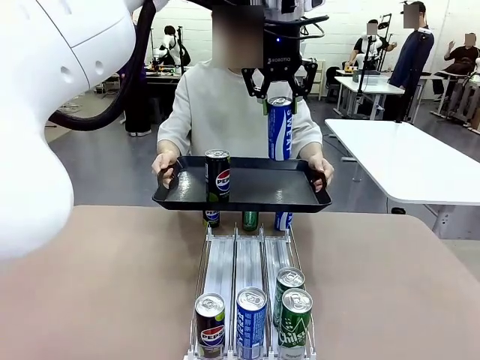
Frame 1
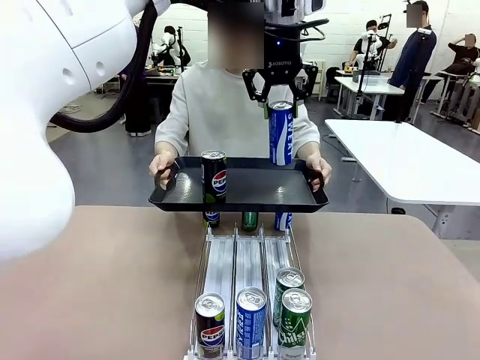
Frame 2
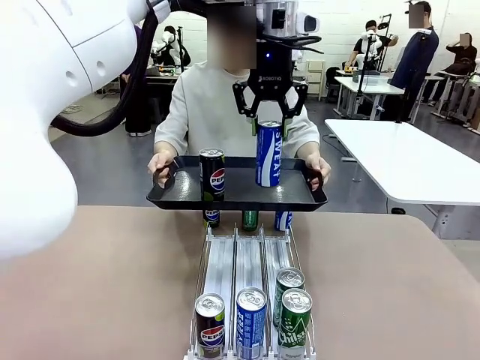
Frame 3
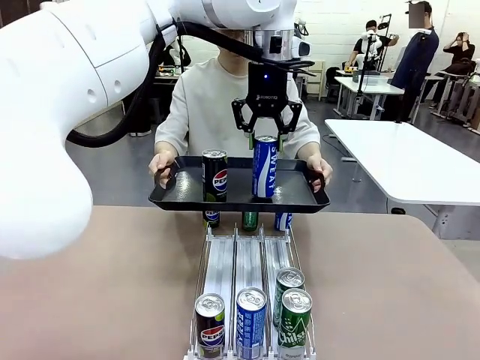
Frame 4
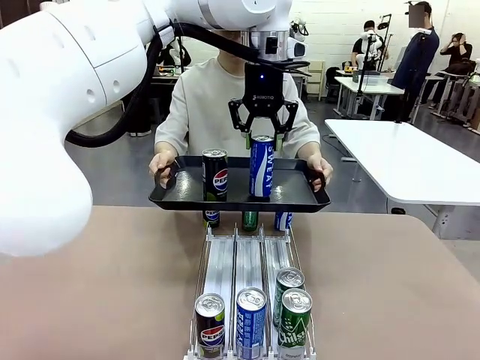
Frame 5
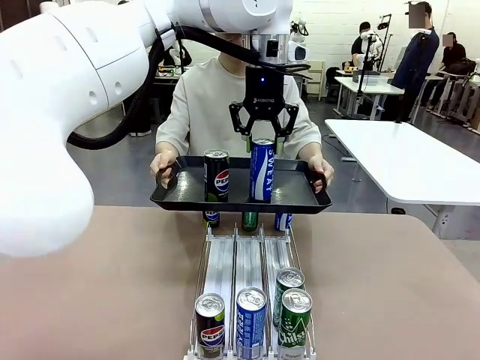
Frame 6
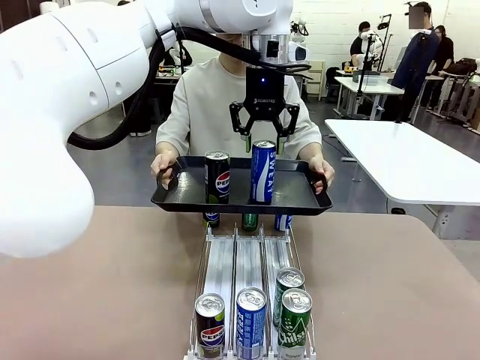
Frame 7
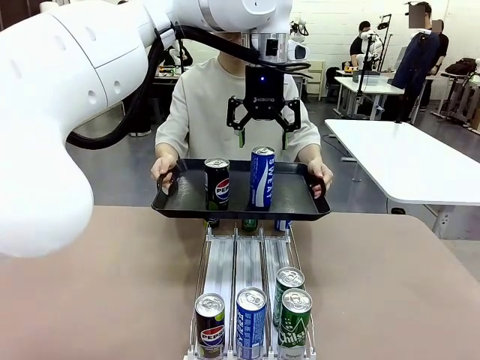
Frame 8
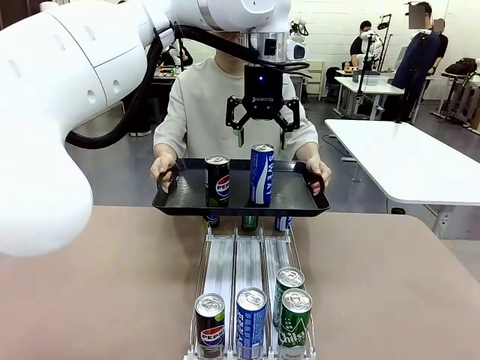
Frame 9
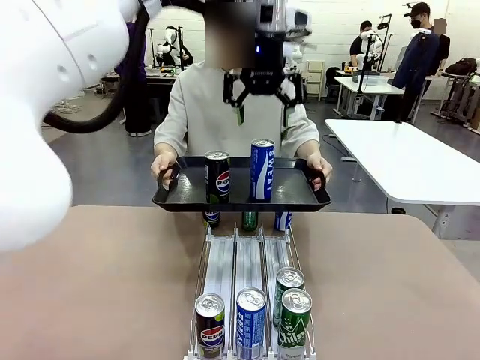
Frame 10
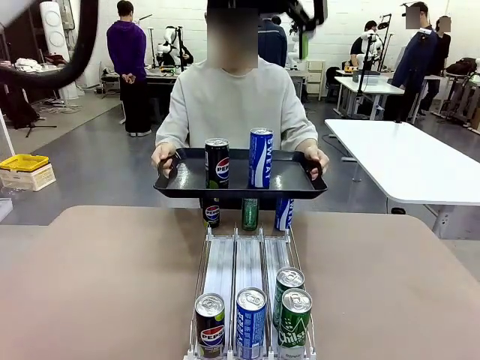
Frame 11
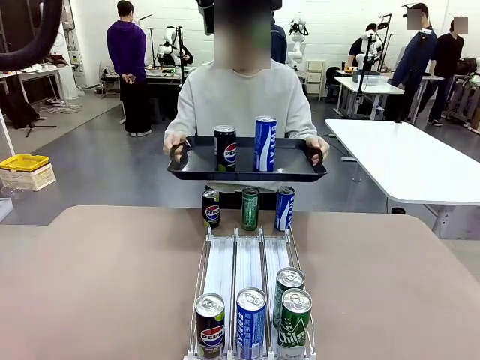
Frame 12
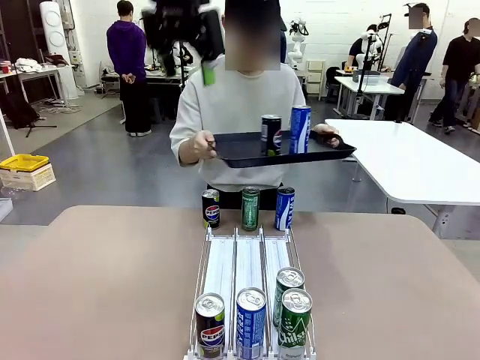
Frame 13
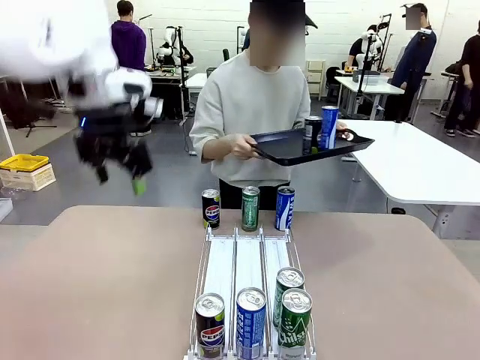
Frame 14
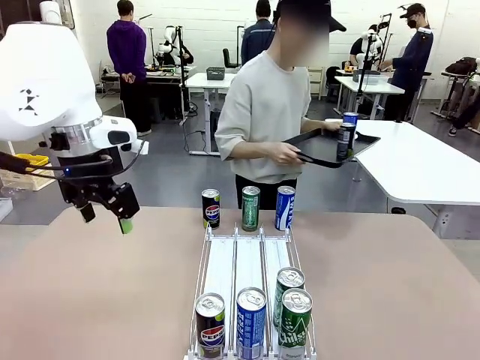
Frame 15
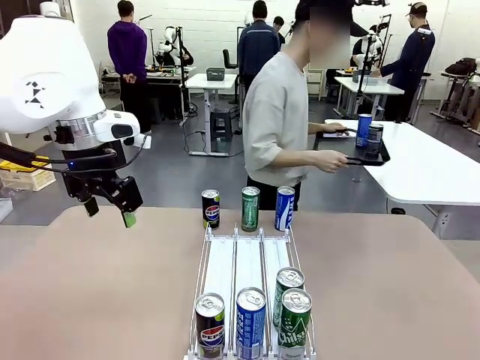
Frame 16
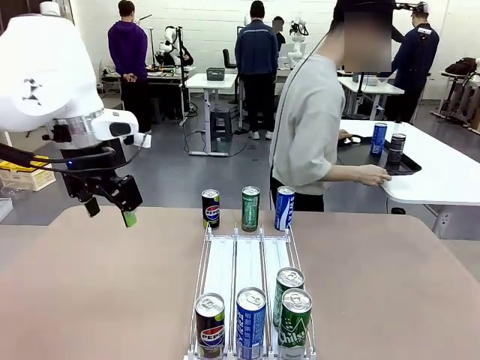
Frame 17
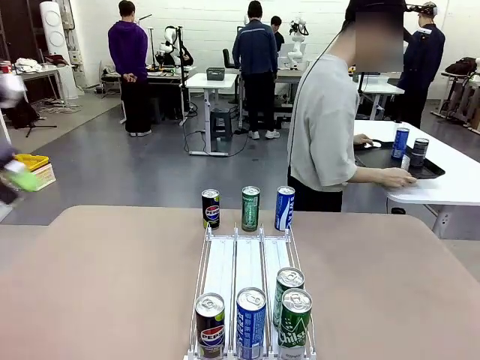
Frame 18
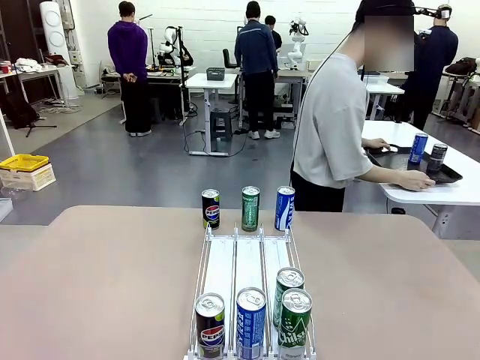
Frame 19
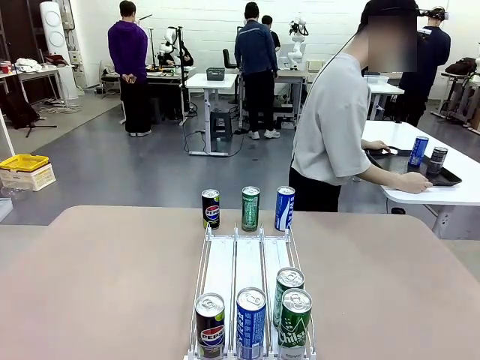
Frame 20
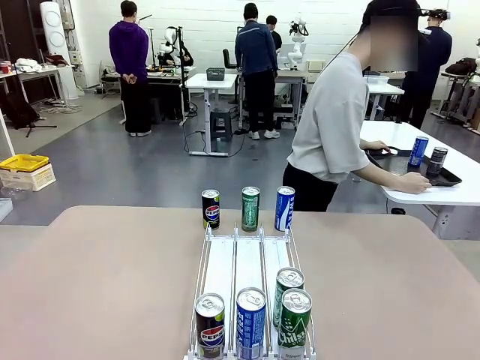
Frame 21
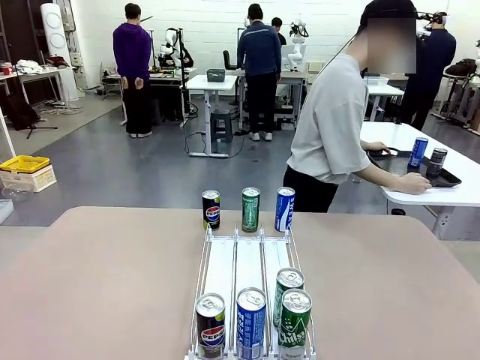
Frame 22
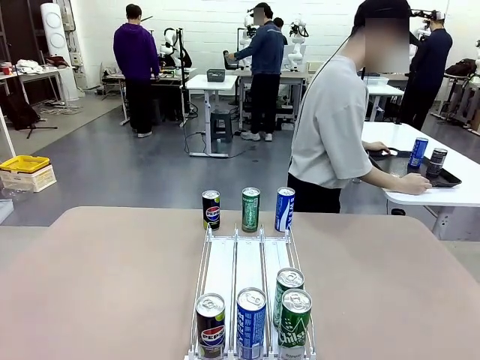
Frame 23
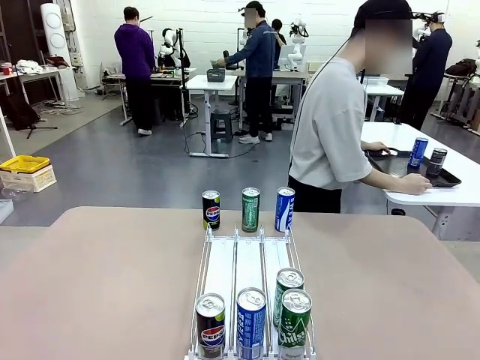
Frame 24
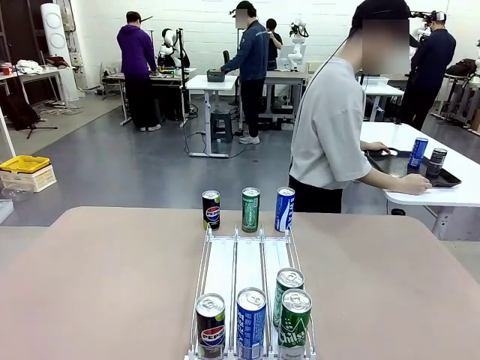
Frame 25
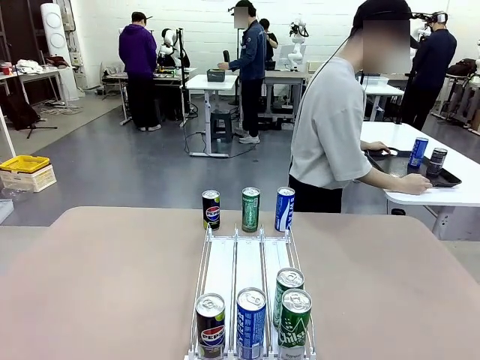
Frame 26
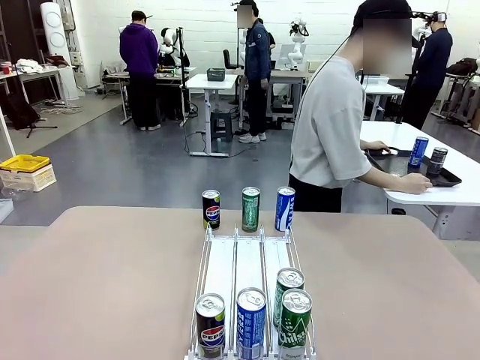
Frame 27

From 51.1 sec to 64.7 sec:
Task: Retrieve and hand over the desired beverage to the person.
Robot: Place the picked can on the Handle tray extended by the person.
Person: Pull the tray back and place it at the center of the human table.

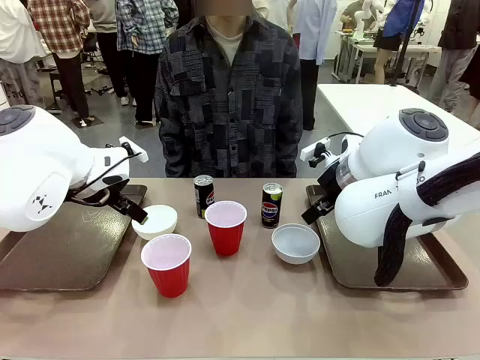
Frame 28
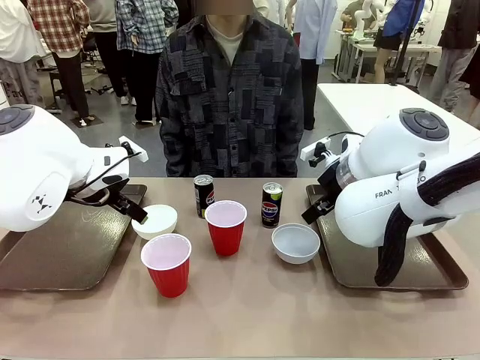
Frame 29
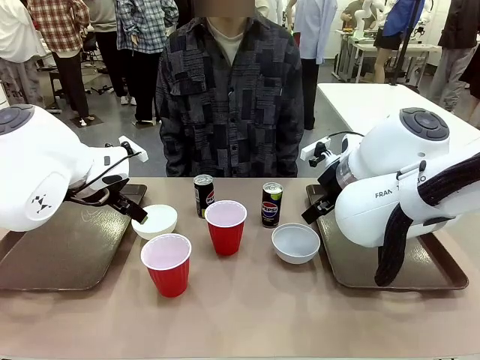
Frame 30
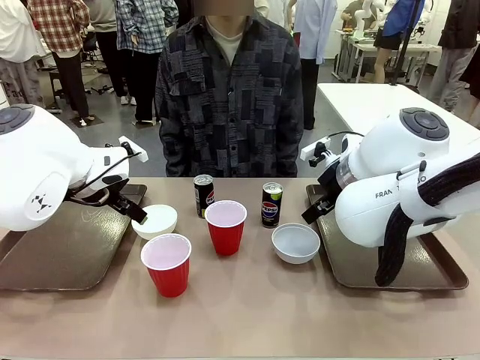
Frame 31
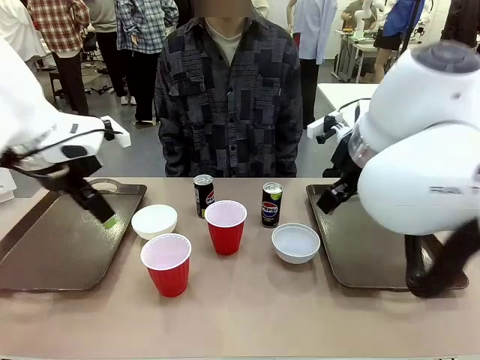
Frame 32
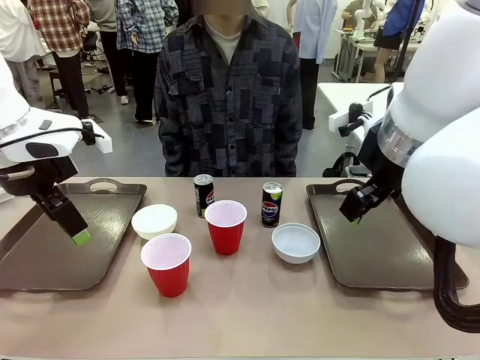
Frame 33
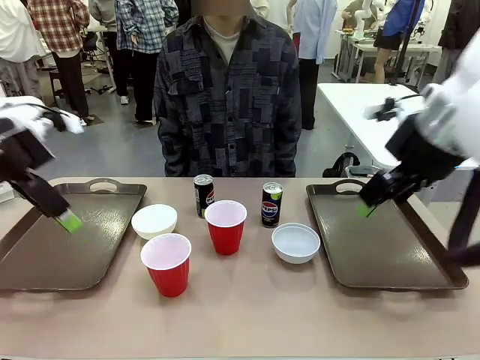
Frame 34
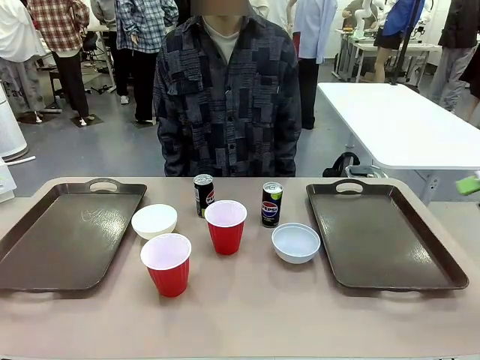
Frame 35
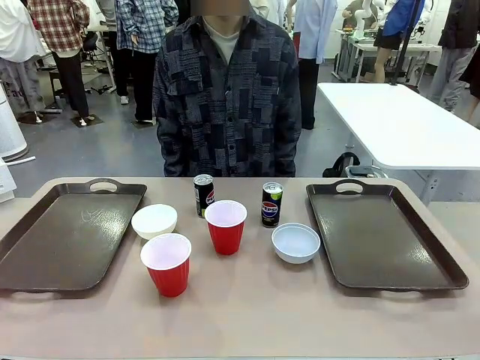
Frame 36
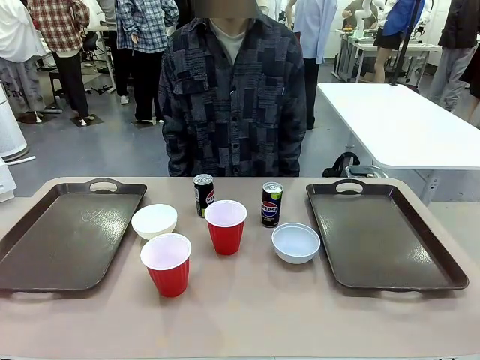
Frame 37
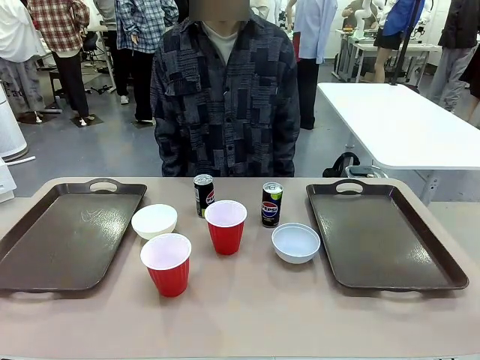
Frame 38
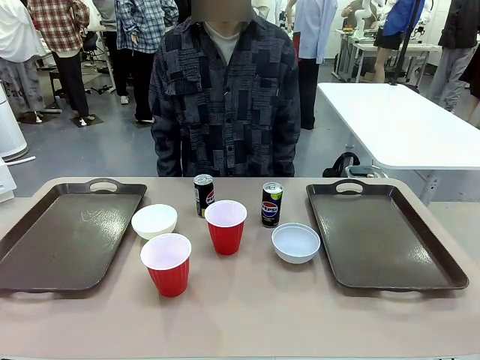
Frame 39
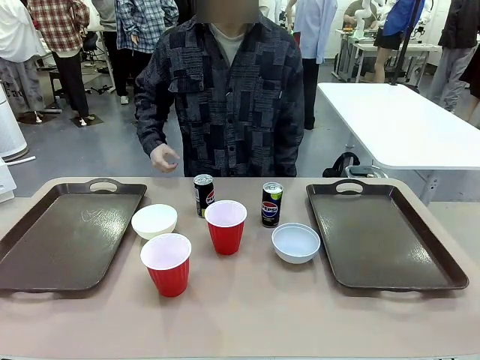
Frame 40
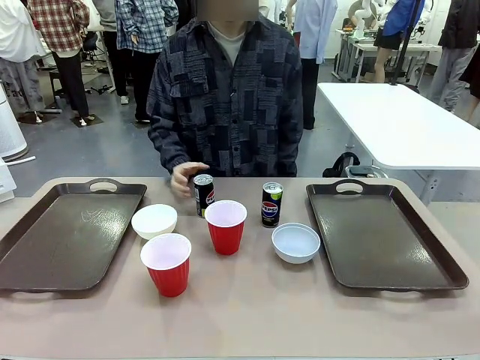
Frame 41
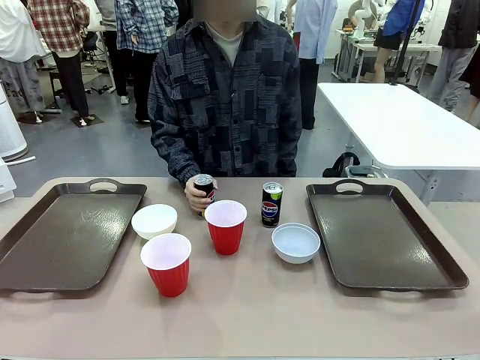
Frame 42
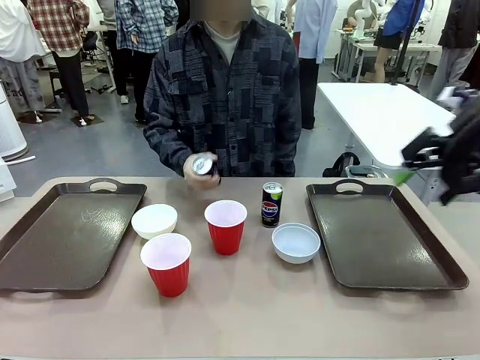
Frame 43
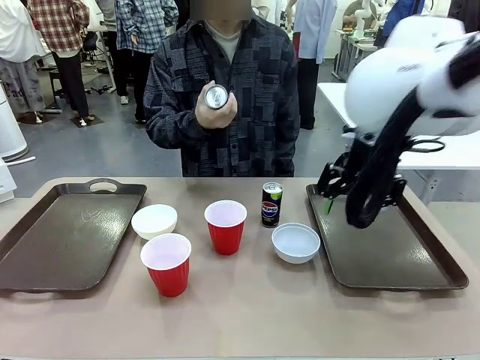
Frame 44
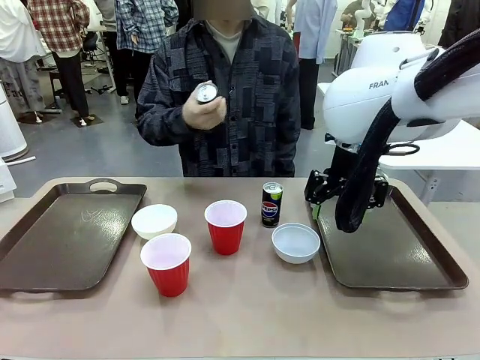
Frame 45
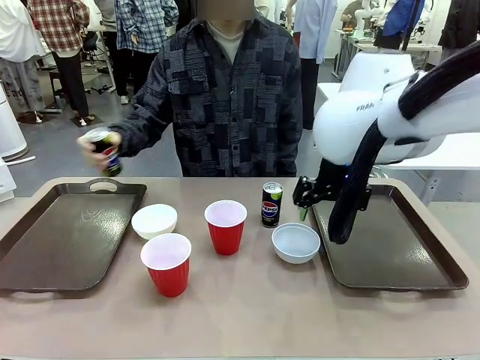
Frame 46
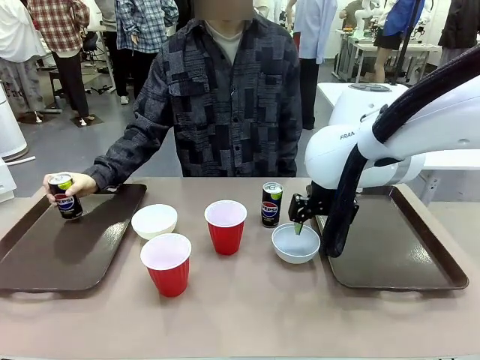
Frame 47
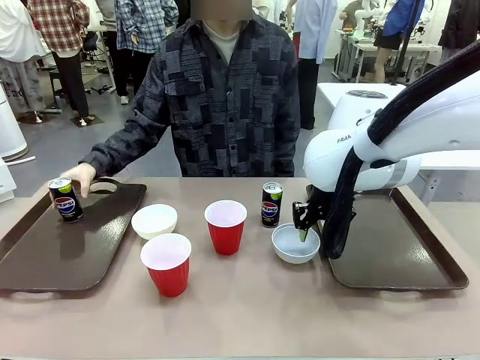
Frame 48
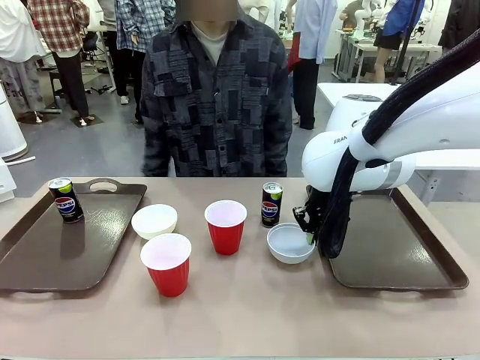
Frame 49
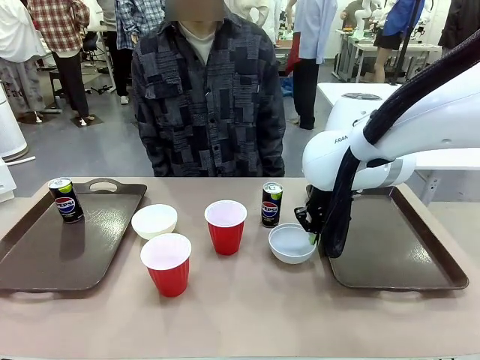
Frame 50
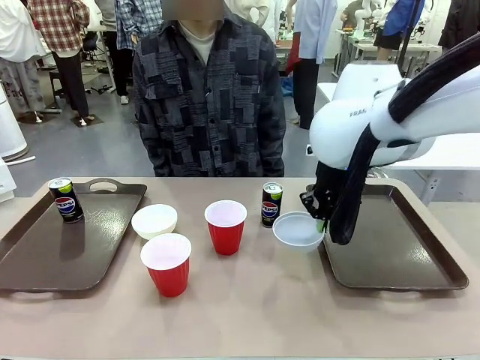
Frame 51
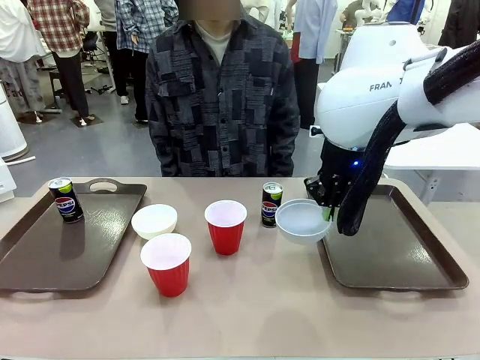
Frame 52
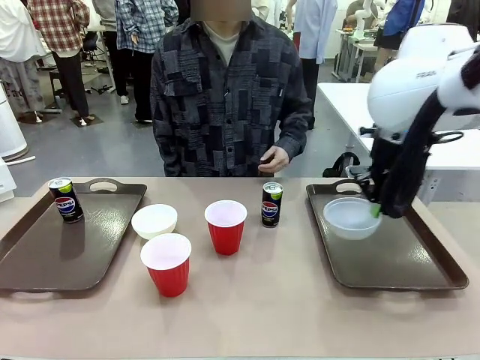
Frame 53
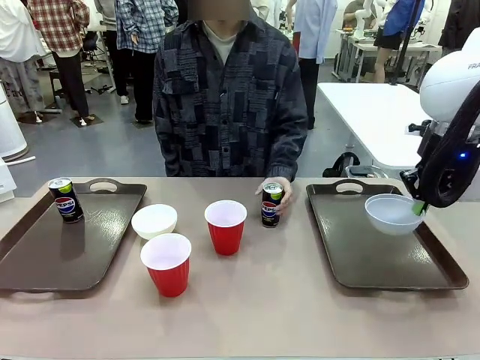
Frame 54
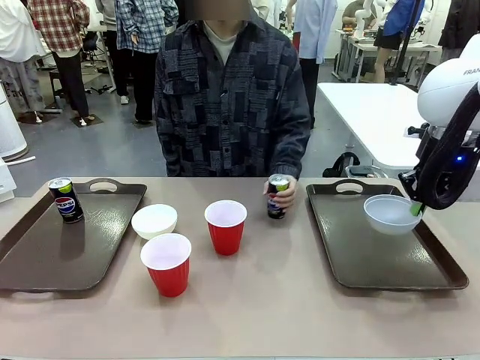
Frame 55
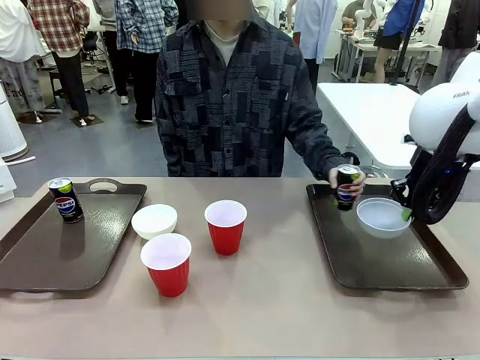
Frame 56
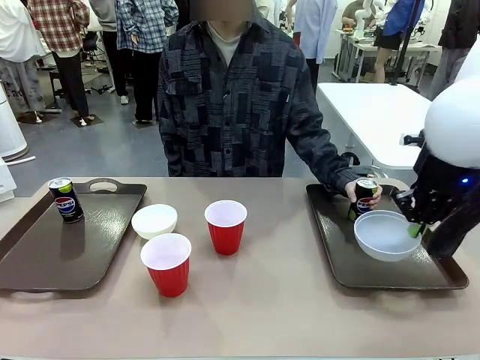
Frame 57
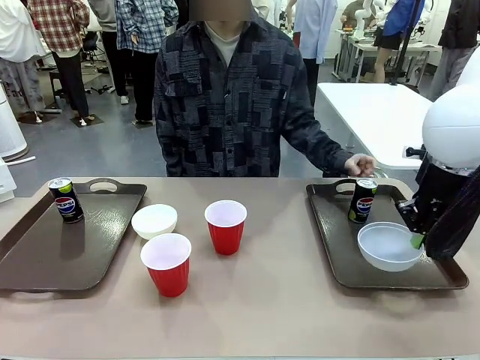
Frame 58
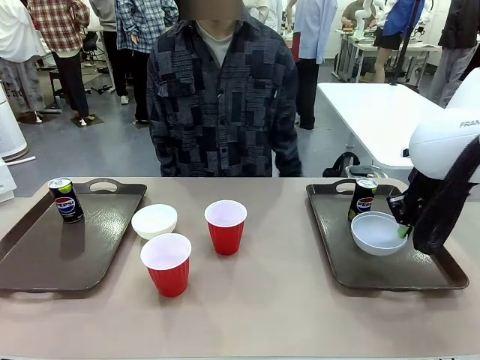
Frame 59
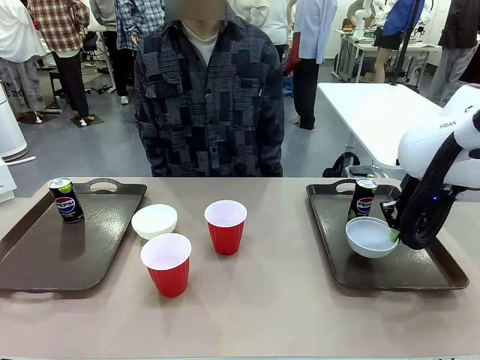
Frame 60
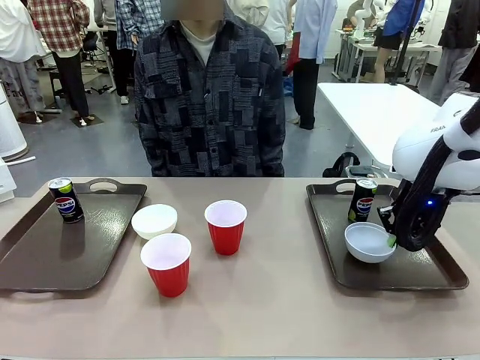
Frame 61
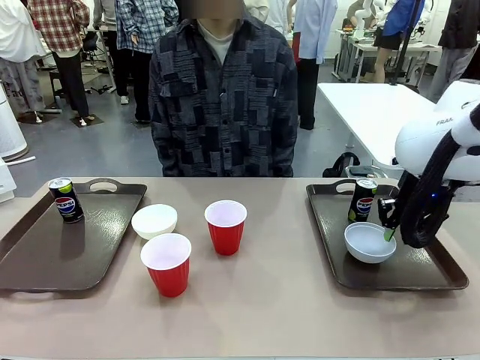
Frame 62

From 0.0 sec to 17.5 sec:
Task: Prepare tableware on both trays.
Robot: Pick up a Picnic Bowl from the table and place it on a Handle tray.
Person: Pick up a can or cup and place it on the tray.
